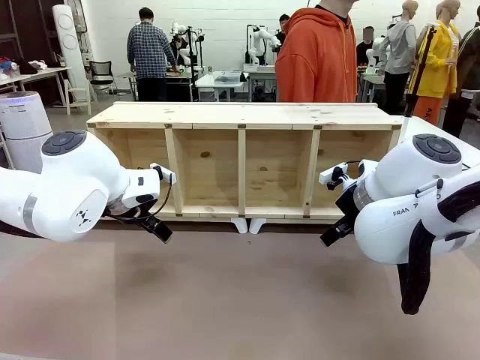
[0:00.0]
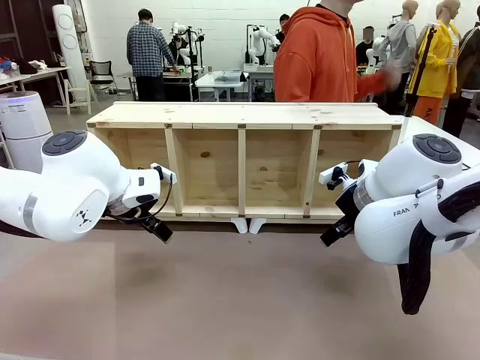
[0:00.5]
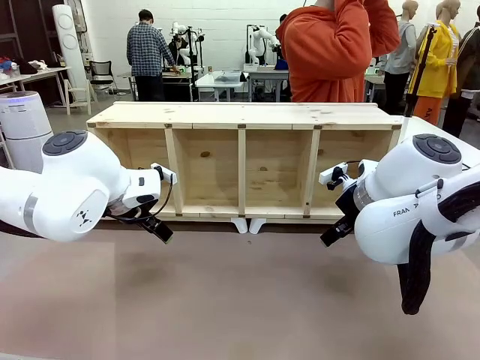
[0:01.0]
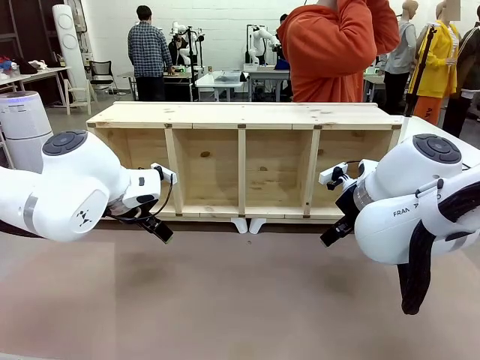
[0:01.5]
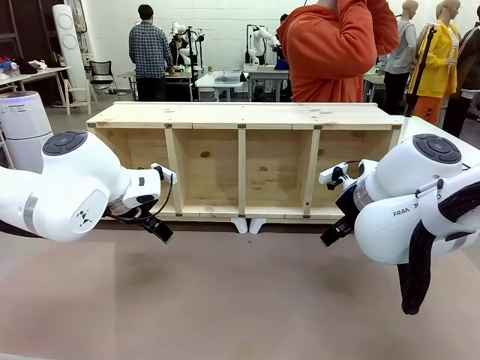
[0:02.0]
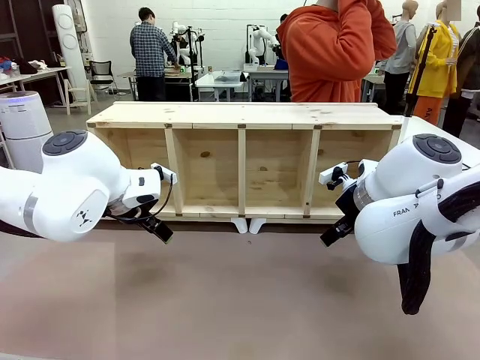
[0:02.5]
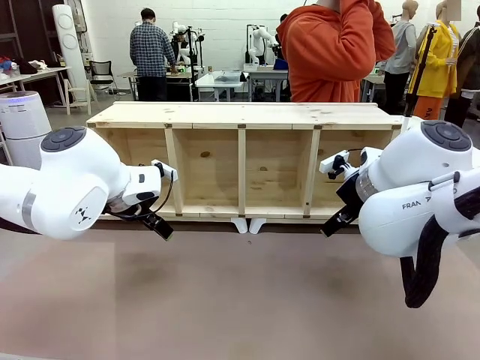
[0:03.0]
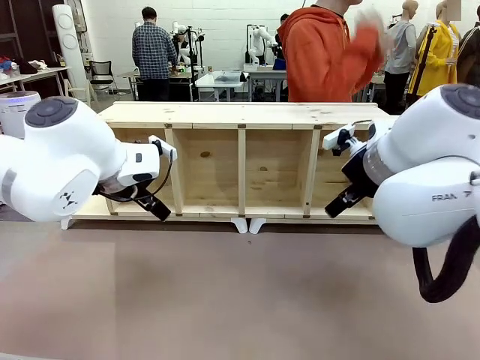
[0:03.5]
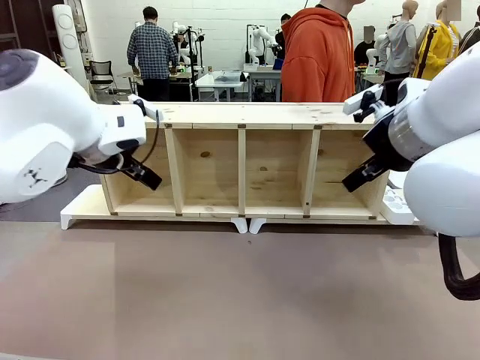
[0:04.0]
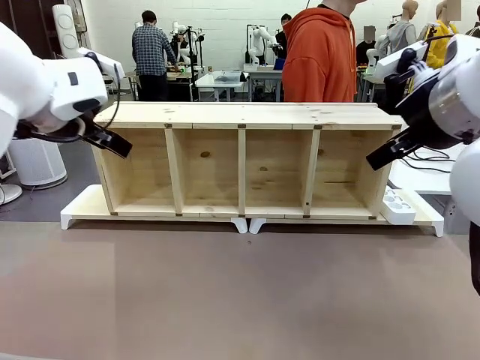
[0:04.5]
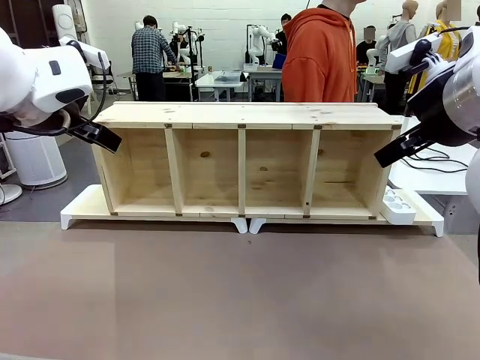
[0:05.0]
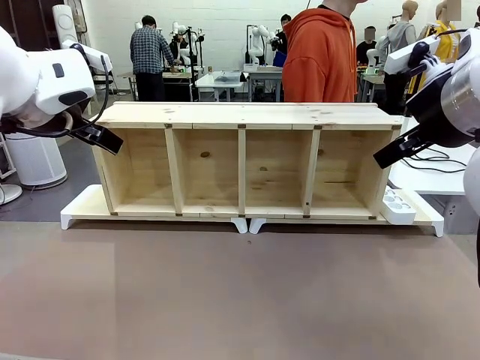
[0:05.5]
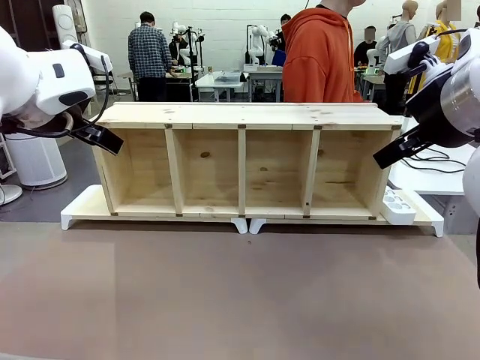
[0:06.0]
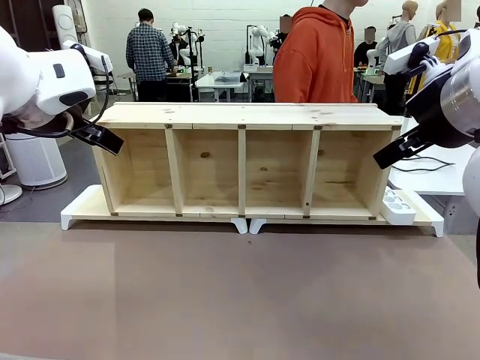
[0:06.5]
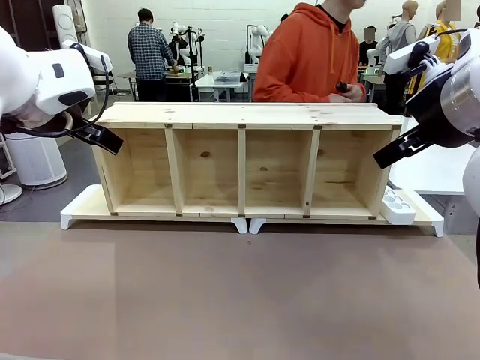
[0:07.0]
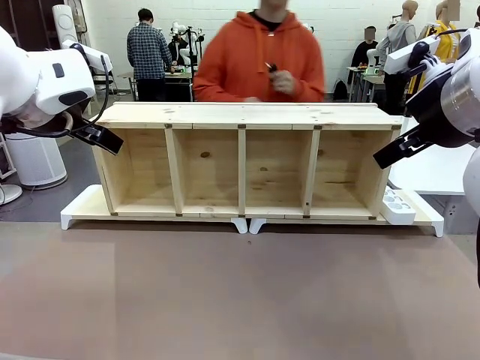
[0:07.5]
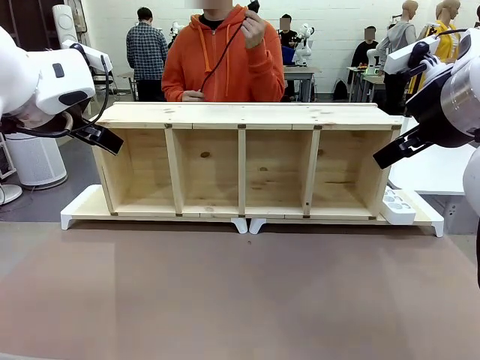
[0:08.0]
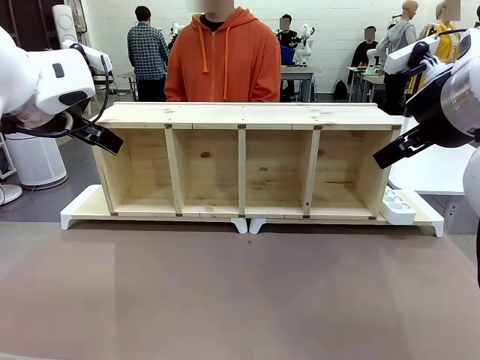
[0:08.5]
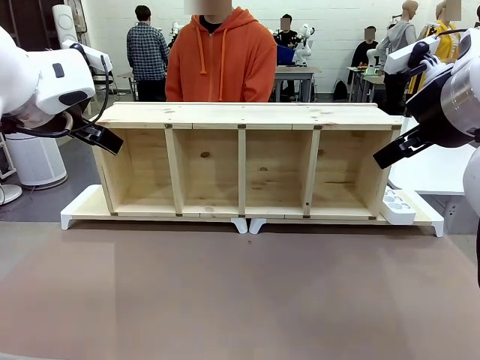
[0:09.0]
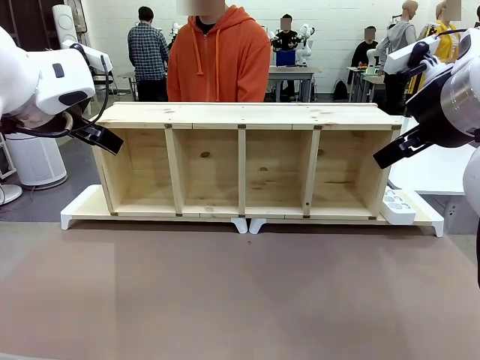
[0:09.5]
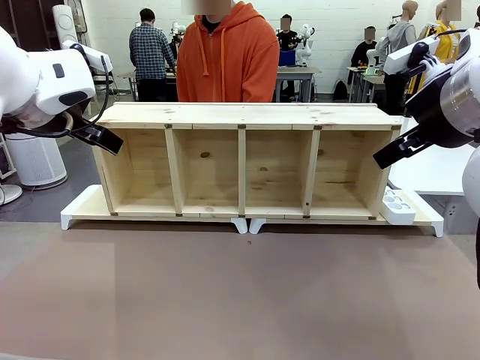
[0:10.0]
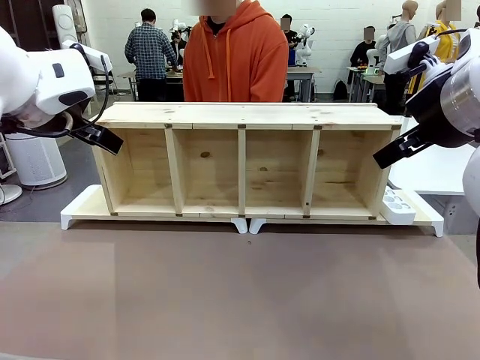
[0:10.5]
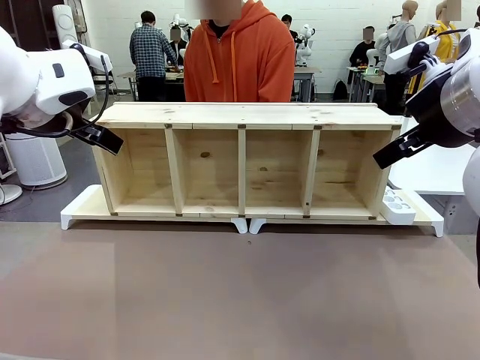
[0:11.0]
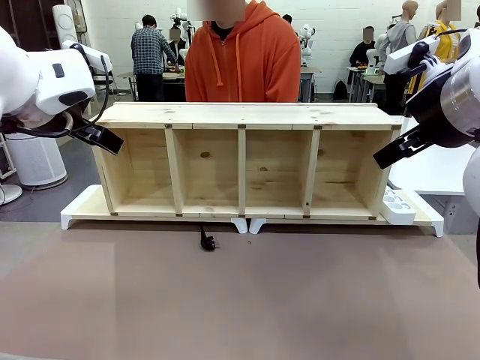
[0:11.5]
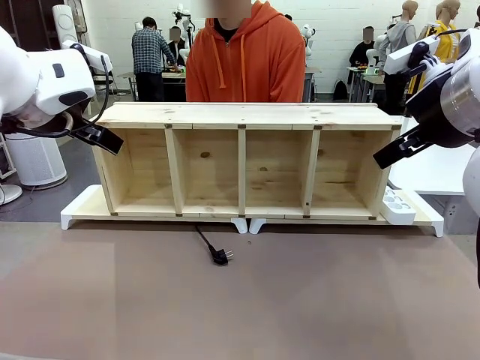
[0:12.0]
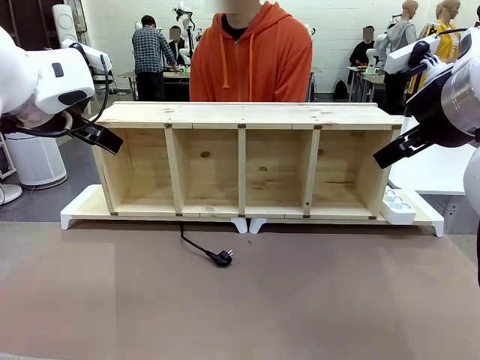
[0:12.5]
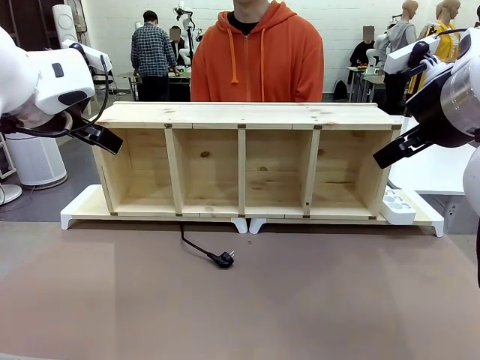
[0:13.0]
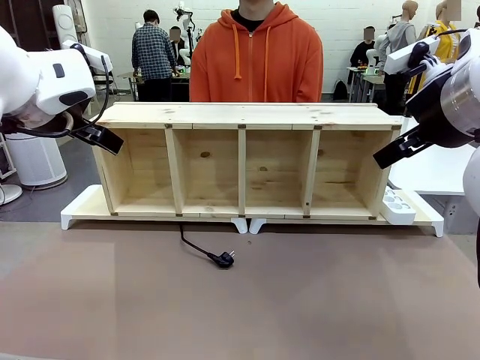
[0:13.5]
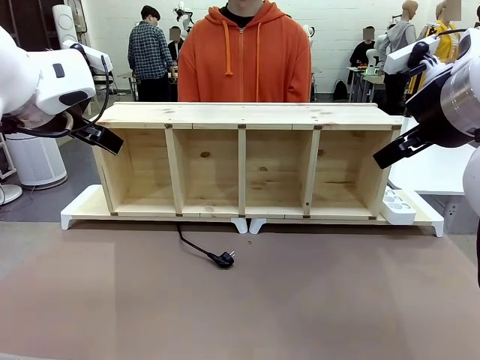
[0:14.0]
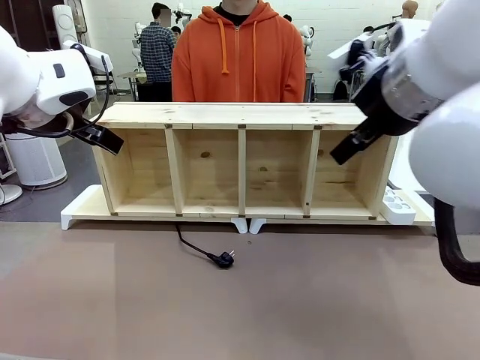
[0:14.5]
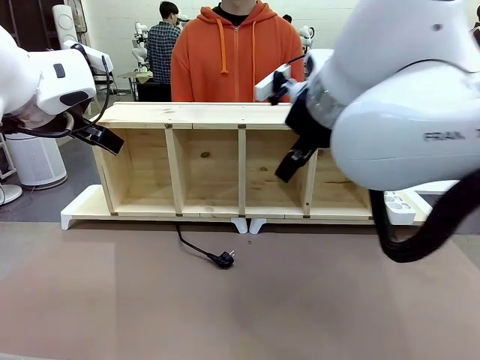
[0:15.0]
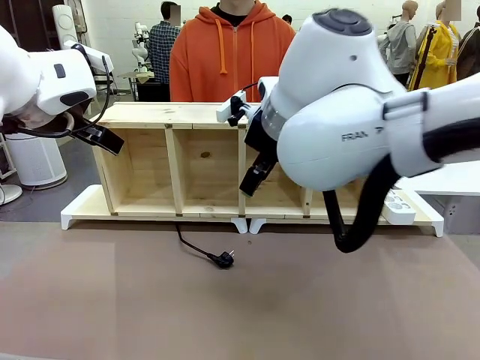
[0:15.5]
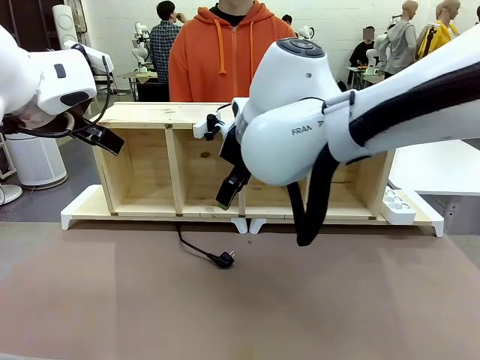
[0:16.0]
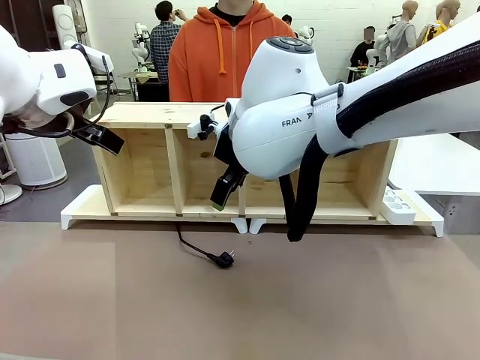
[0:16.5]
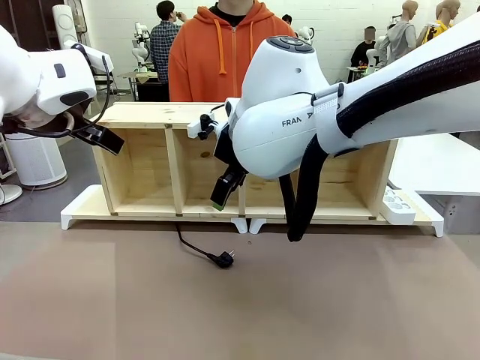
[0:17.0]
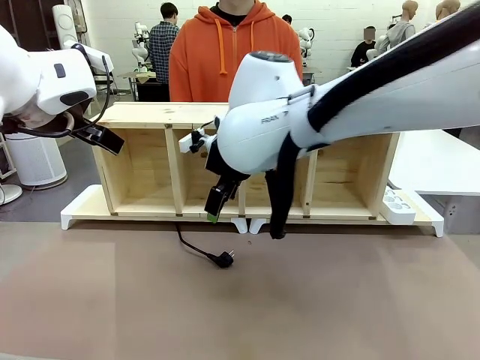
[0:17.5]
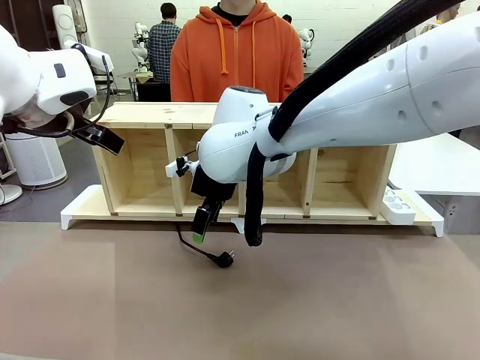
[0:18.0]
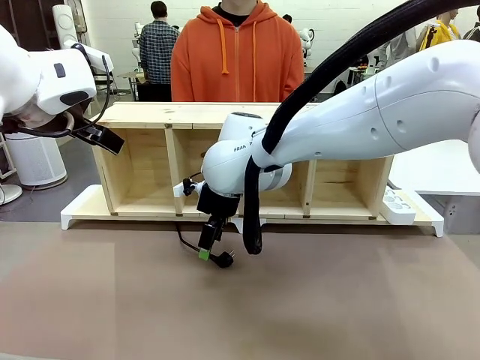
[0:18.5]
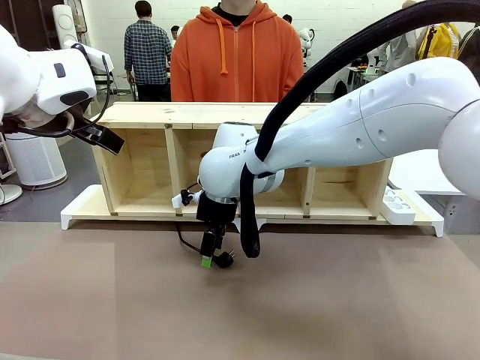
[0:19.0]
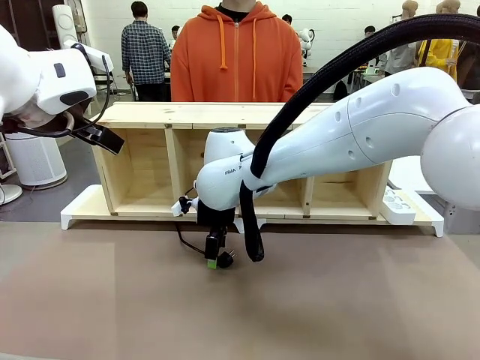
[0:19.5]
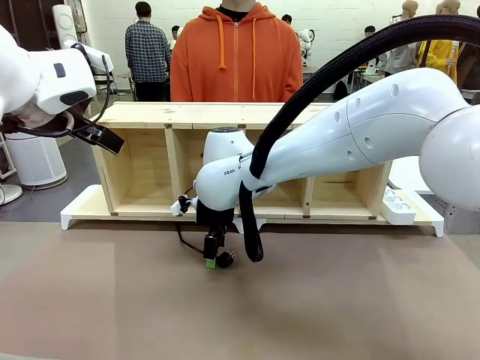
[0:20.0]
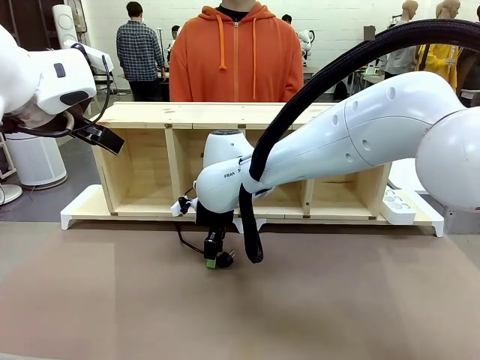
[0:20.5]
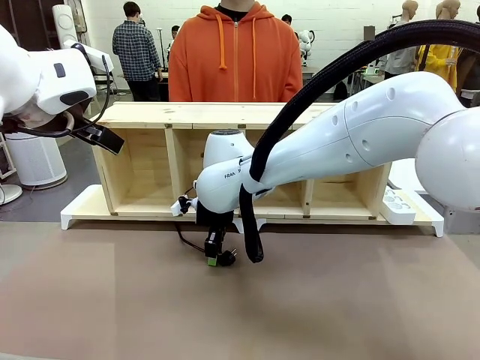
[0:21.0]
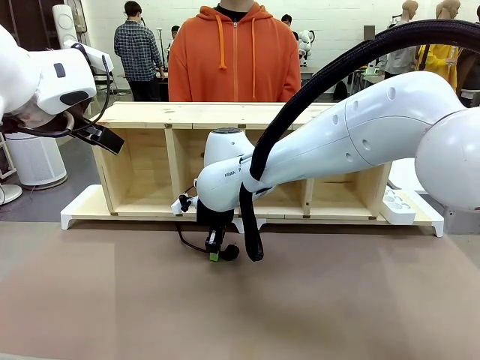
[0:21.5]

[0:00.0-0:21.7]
Task: Perform cable management.
Robot: When the cord part of the Power Cable appears at the lower middle area of the table and stops, grasp the cord part of the Power Cable.
Person: Pass the Power Cable under the Serving Table.
